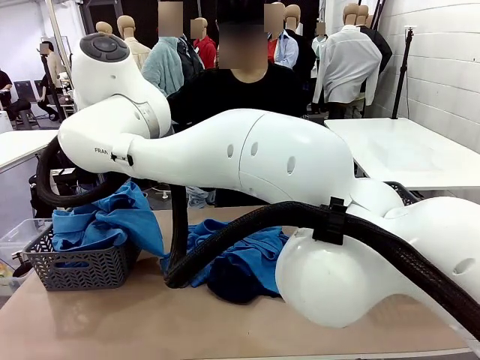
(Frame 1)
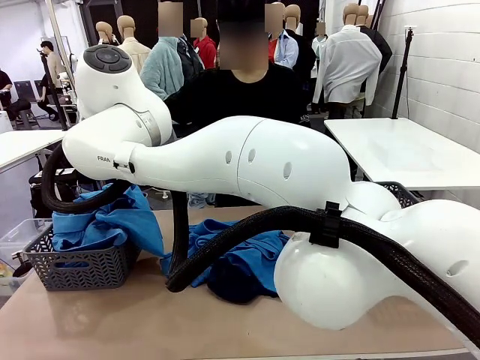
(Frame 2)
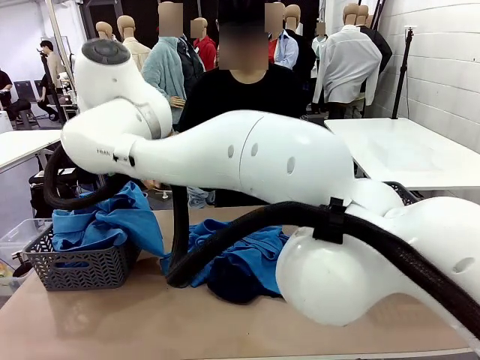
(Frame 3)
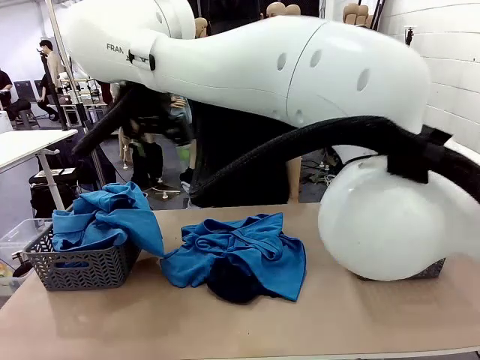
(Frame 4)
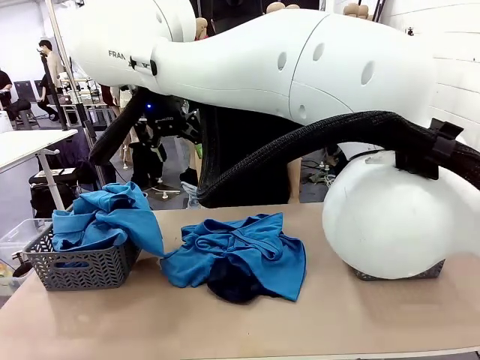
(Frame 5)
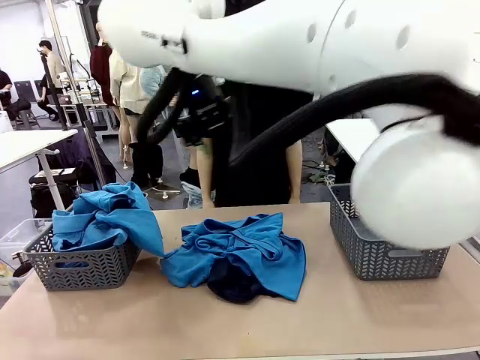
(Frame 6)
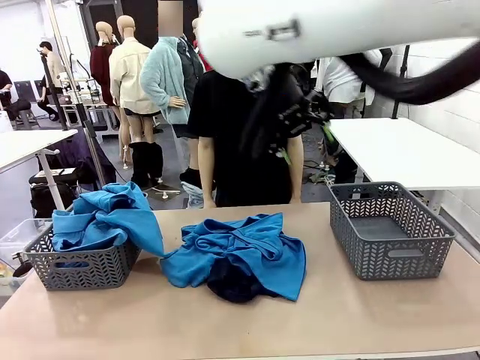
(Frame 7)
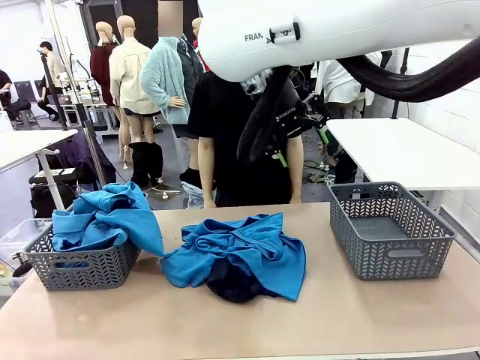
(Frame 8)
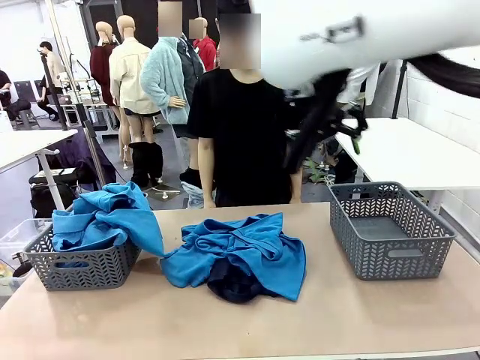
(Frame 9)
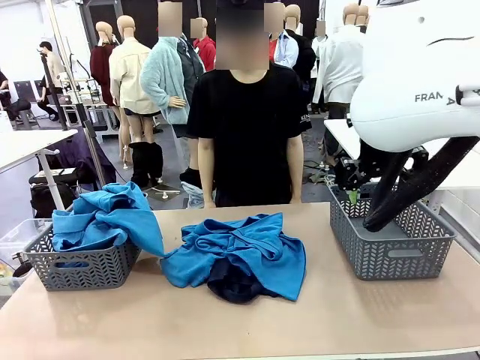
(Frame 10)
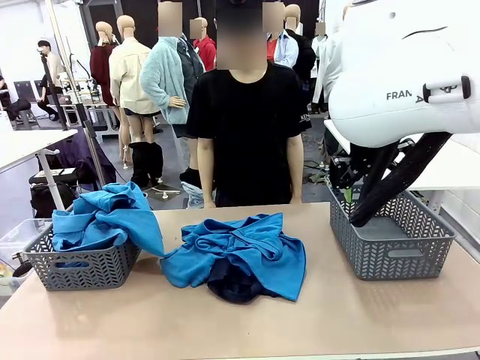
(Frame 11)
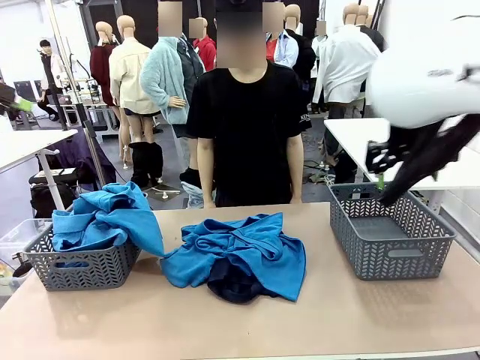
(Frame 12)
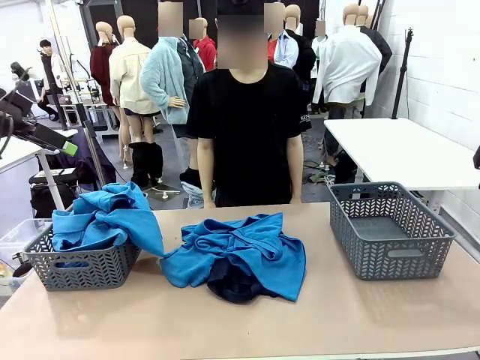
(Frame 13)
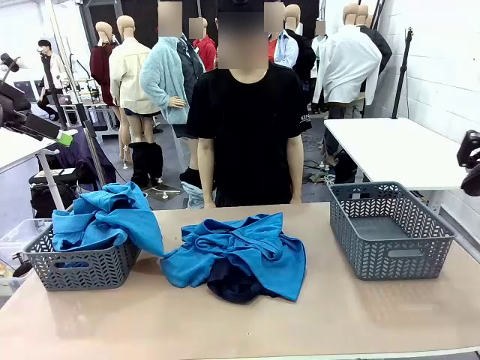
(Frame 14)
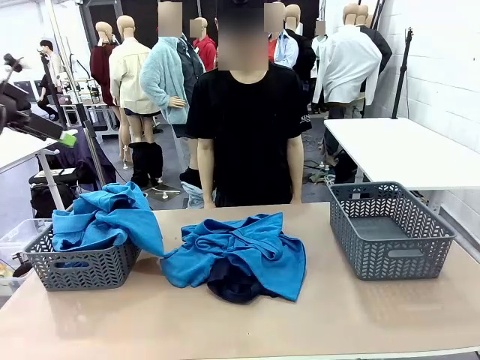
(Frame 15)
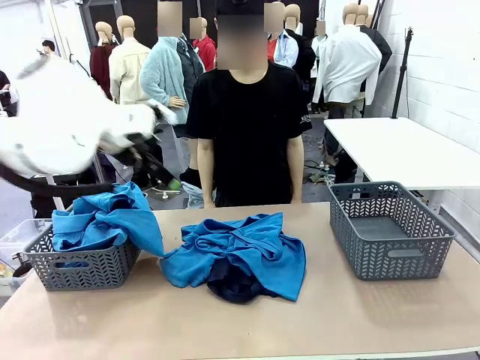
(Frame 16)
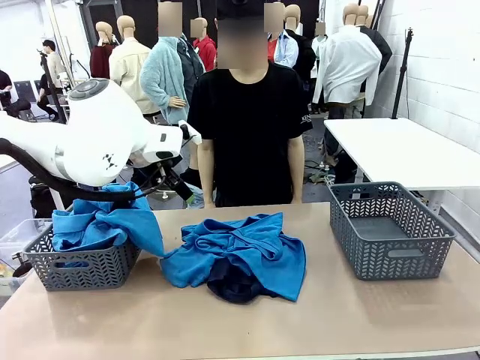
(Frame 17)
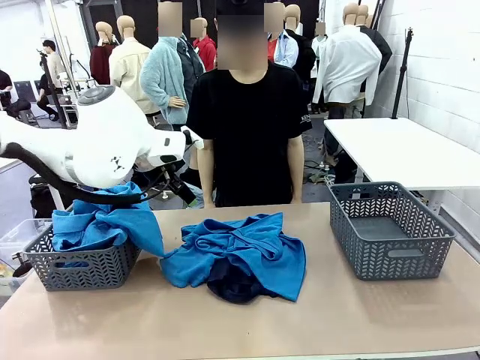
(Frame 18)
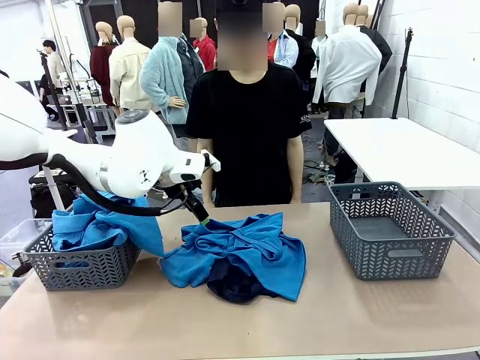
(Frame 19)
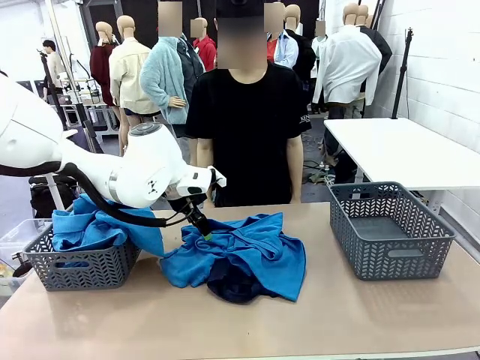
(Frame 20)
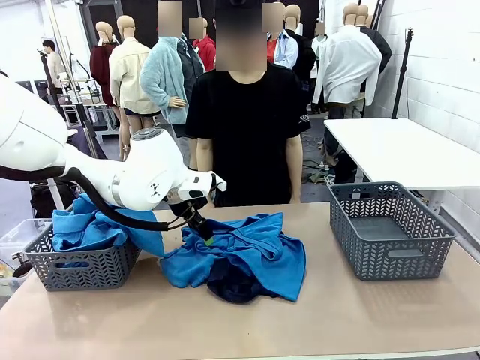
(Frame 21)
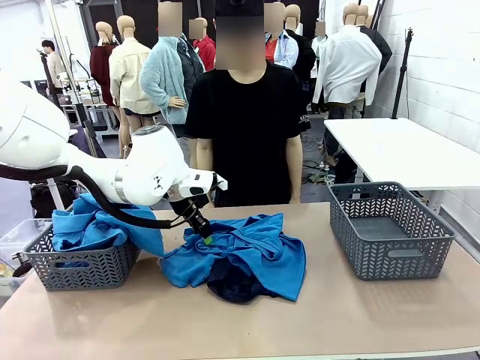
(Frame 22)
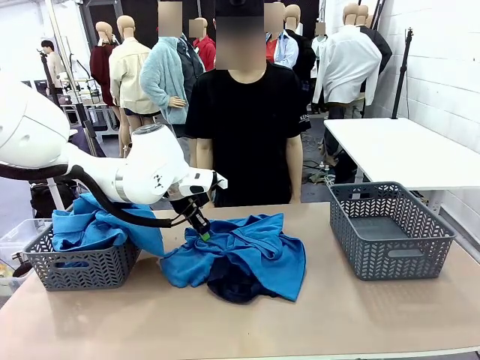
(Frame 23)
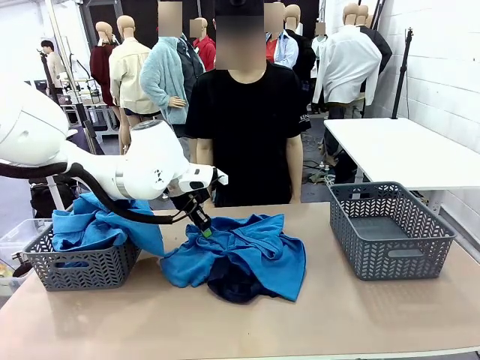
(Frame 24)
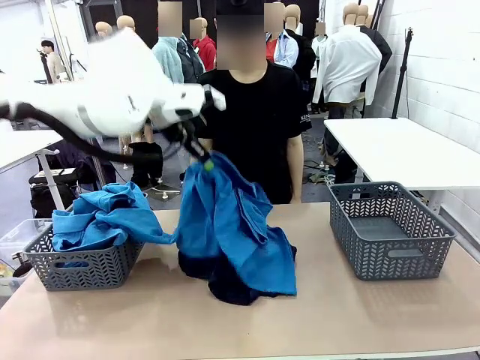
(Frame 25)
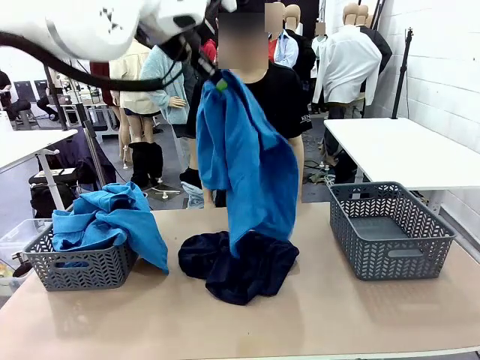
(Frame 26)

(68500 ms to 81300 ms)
Task: Sort the tops and bottoms.
Robot: Lift clothes from the center of the table with your left hand.

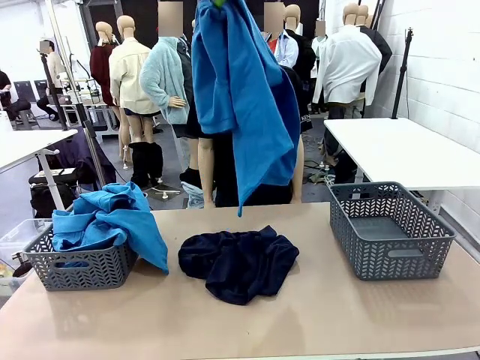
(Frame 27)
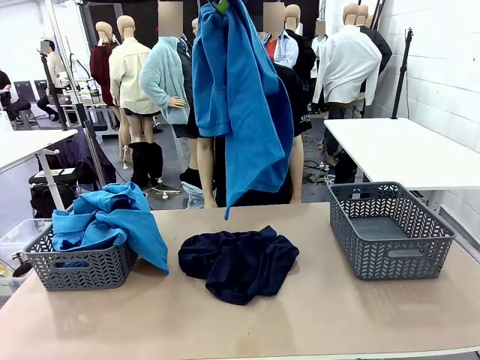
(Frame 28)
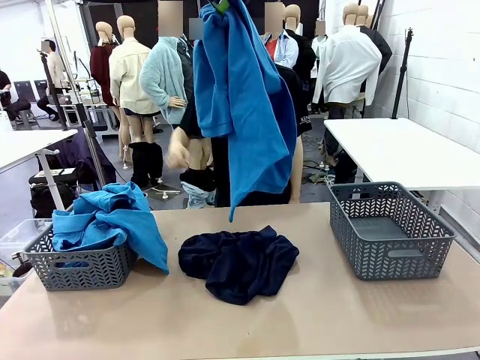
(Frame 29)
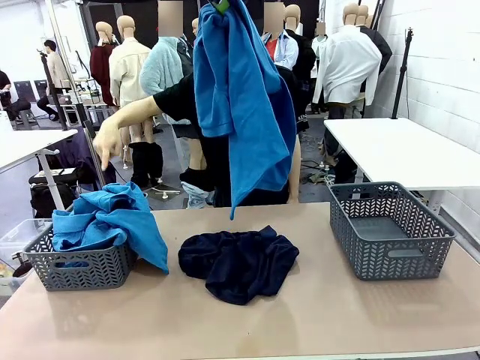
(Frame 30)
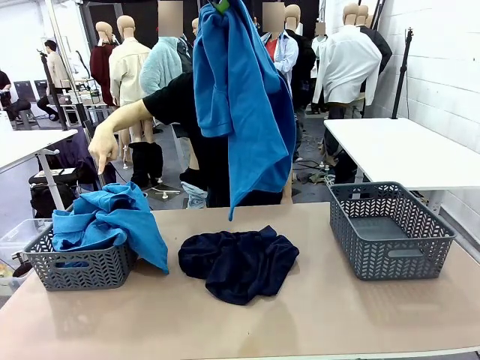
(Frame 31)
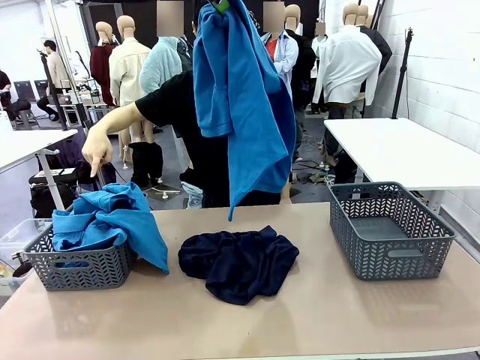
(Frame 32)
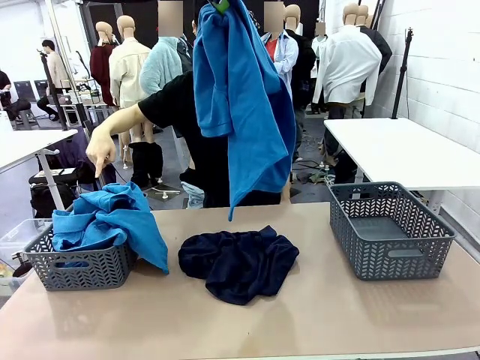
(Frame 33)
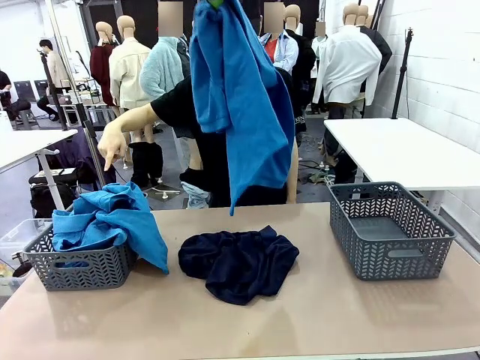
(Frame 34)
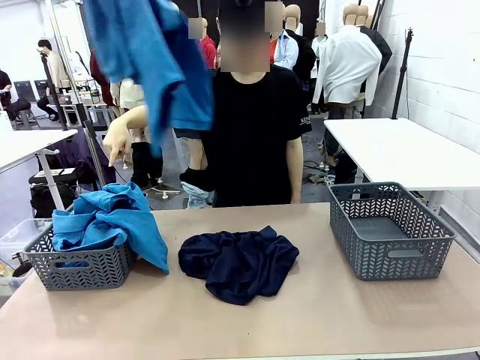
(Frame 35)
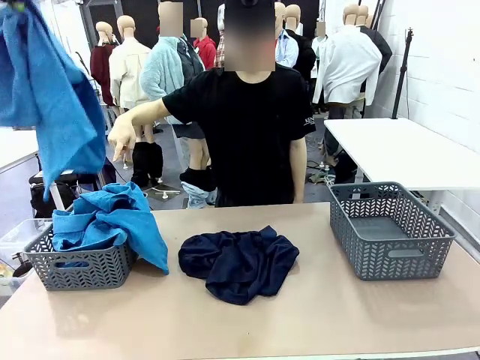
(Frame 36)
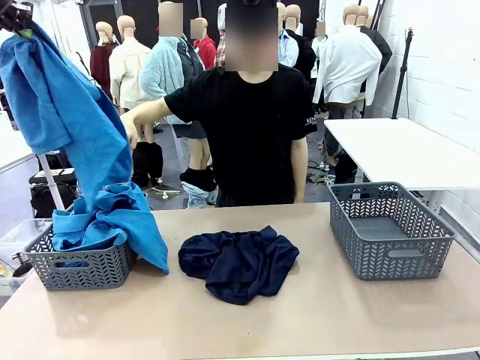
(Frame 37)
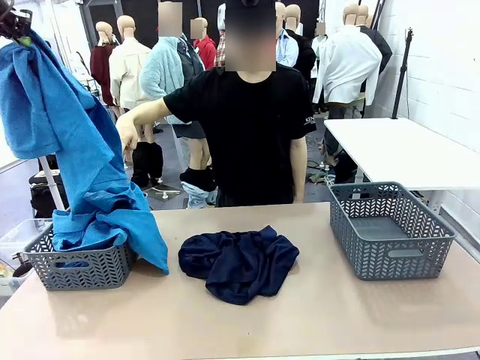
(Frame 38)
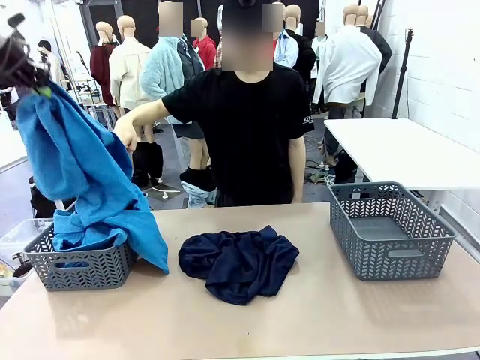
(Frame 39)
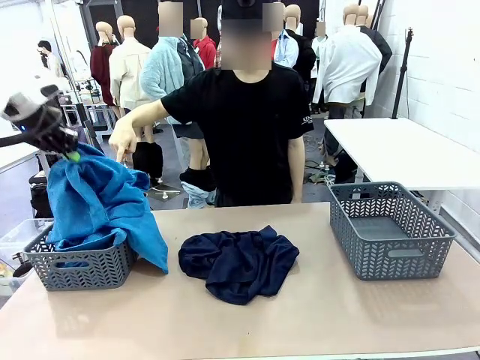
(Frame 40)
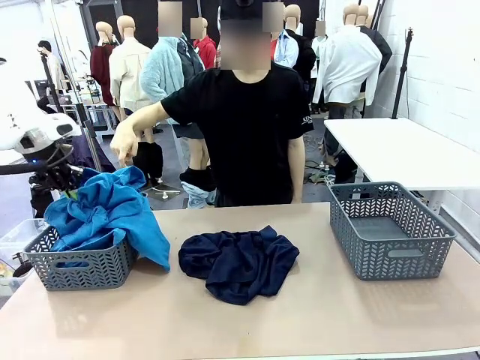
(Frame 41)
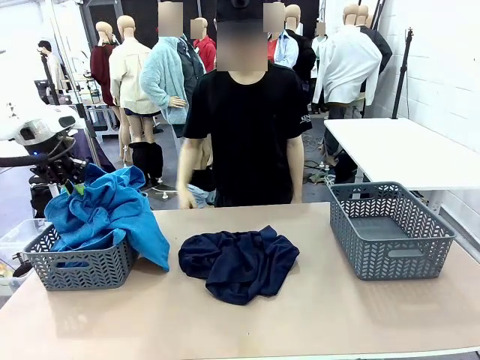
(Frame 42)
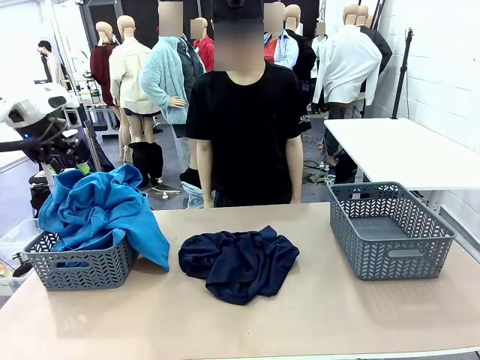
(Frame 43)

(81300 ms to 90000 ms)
Robot: Sort the clothes according to human instructions.

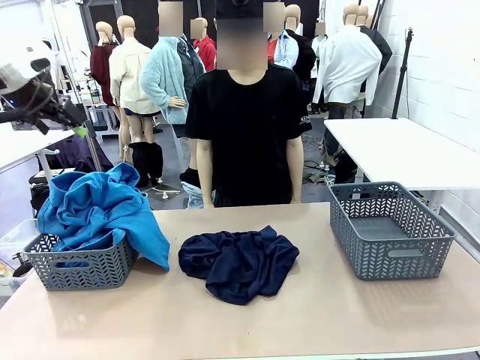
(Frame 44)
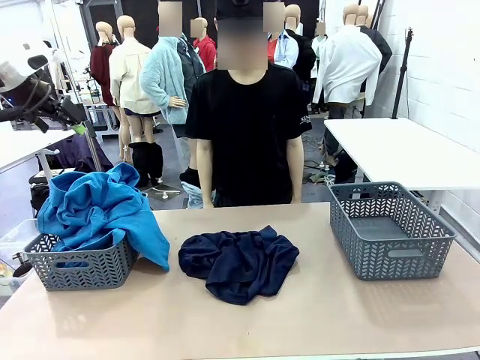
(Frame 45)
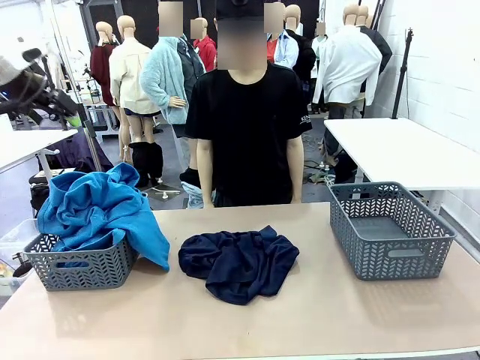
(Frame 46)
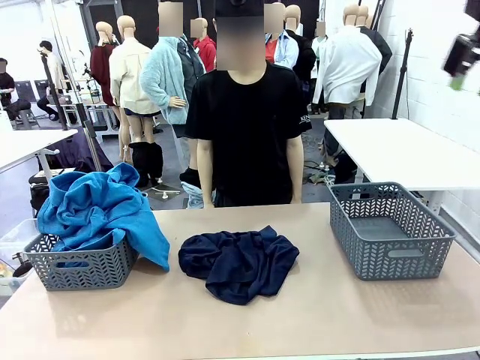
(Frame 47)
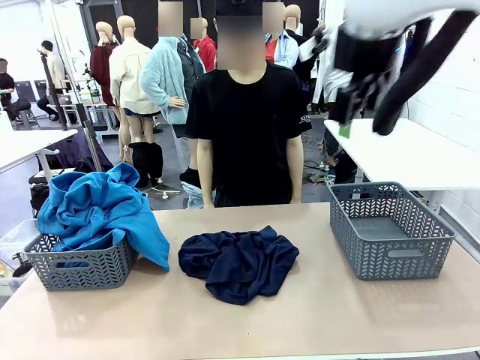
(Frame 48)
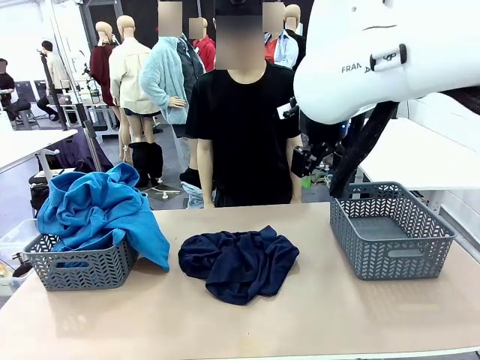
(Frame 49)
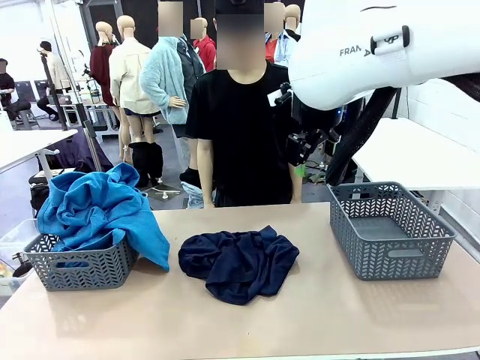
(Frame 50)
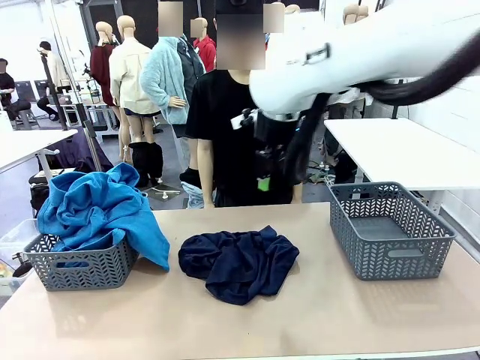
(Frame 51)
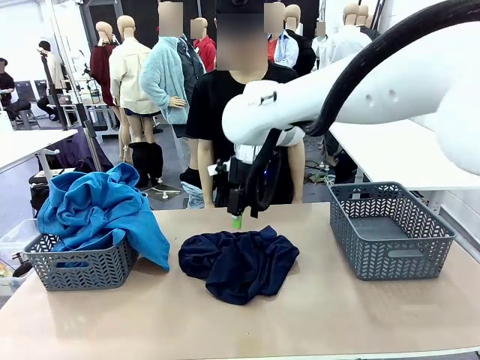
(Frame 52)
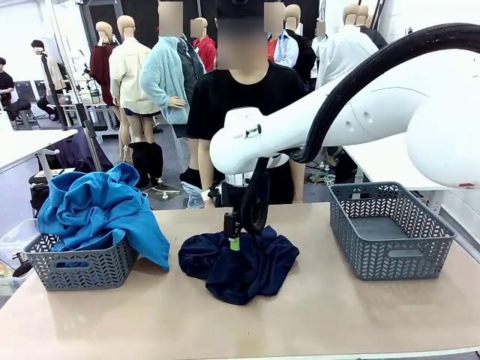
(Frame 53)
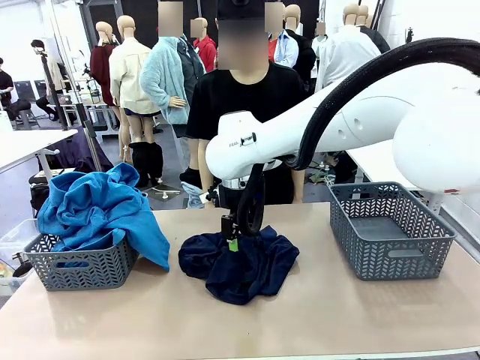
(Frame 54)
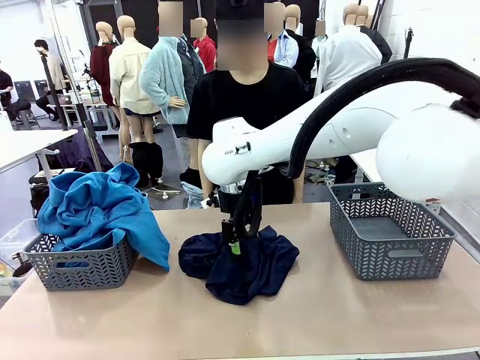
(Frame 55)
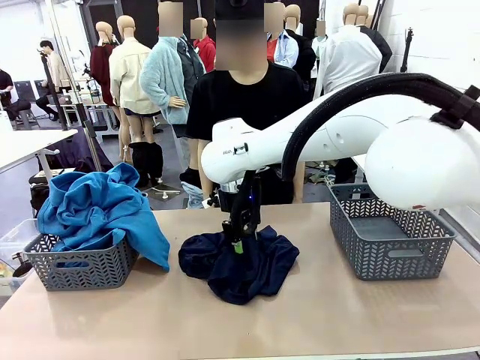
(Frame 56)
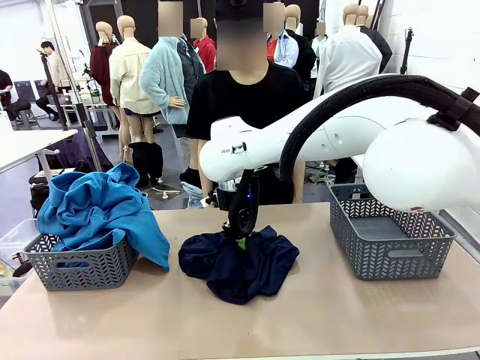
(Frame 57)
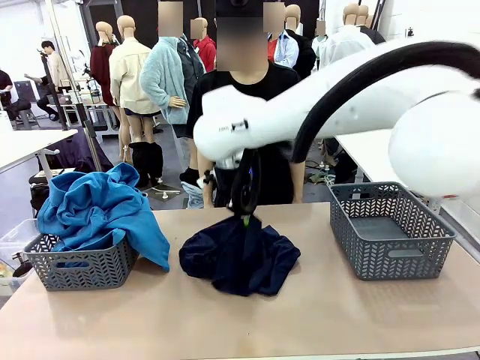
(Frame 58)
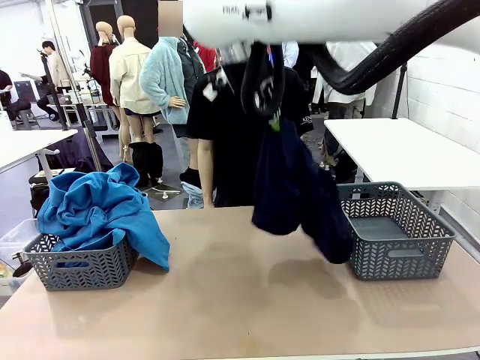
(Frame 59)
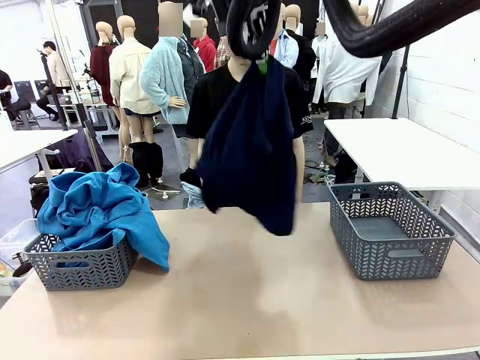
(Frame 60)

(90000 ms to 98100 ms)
Robot: Lift clothes from the center of the table with your right hand.
